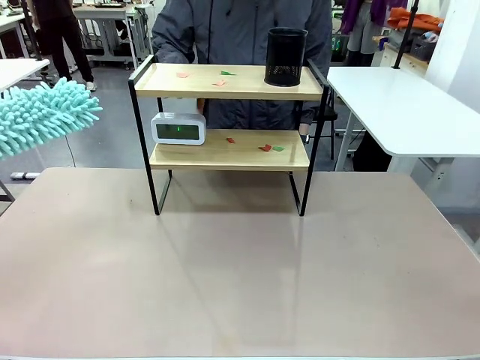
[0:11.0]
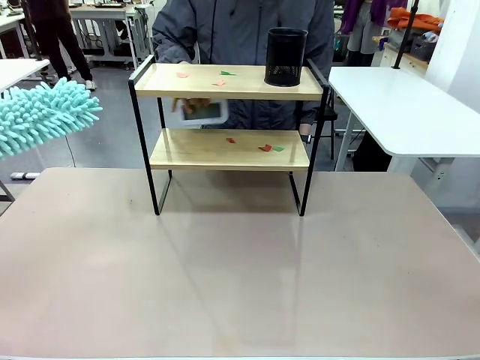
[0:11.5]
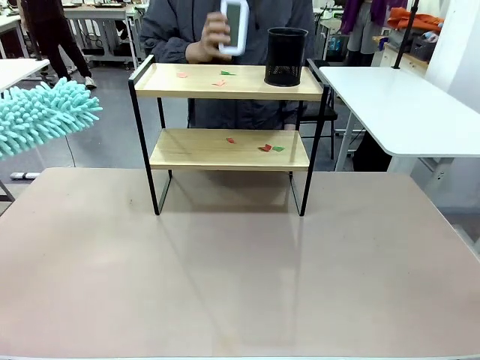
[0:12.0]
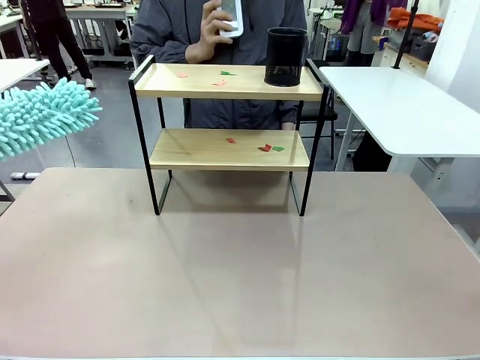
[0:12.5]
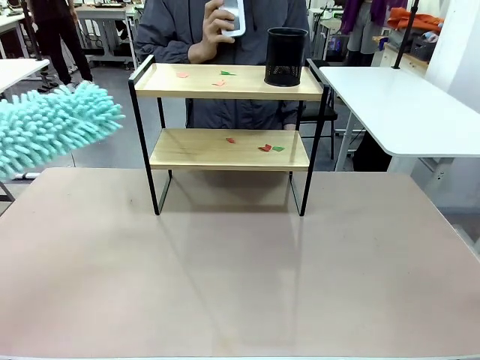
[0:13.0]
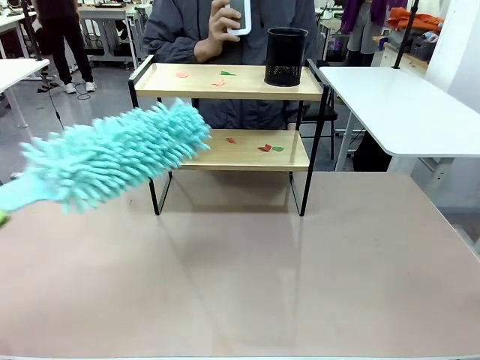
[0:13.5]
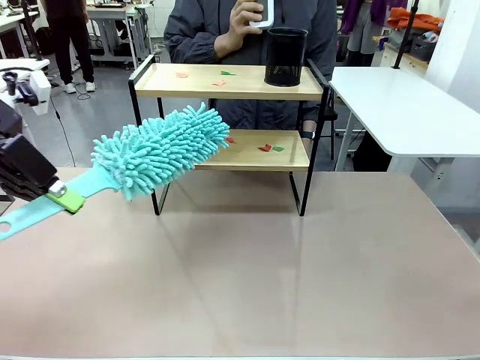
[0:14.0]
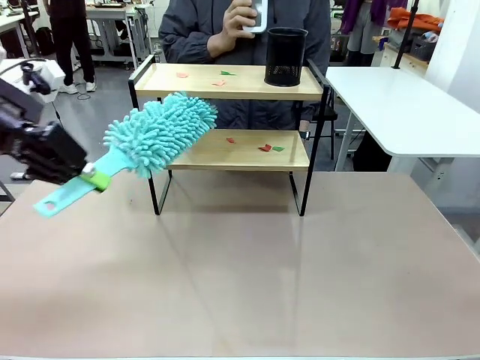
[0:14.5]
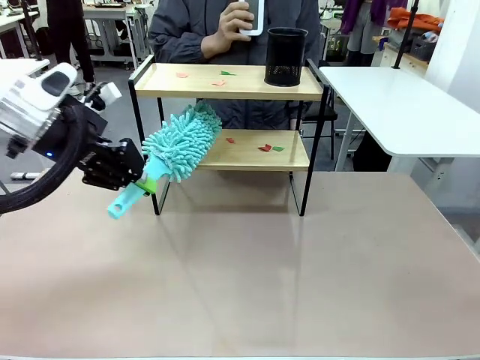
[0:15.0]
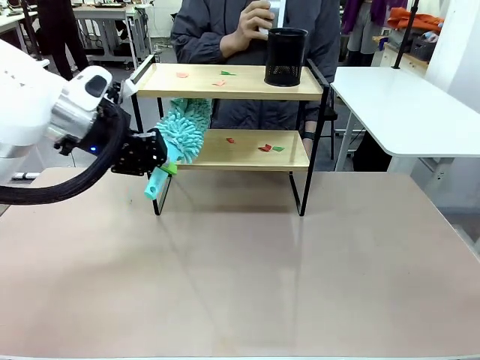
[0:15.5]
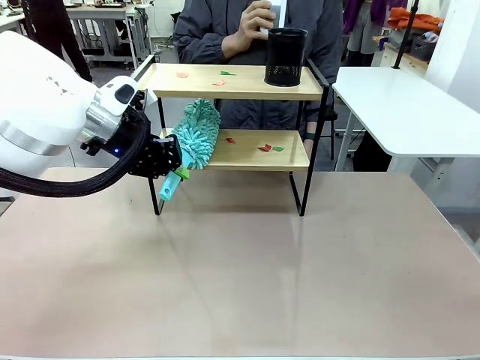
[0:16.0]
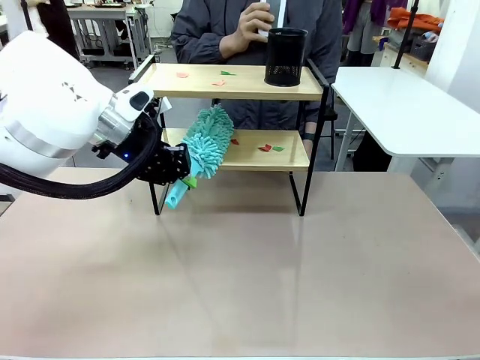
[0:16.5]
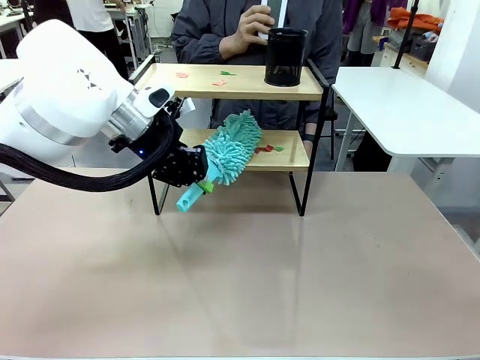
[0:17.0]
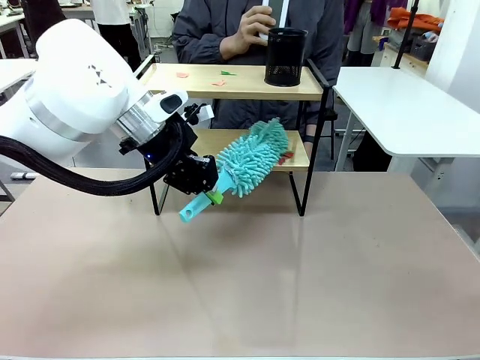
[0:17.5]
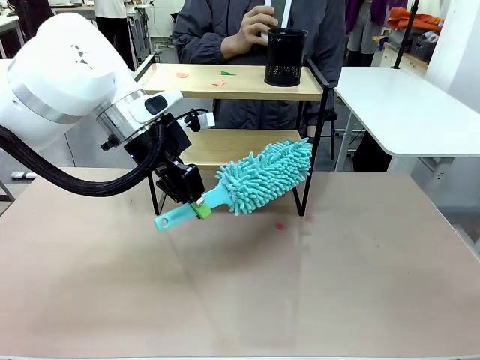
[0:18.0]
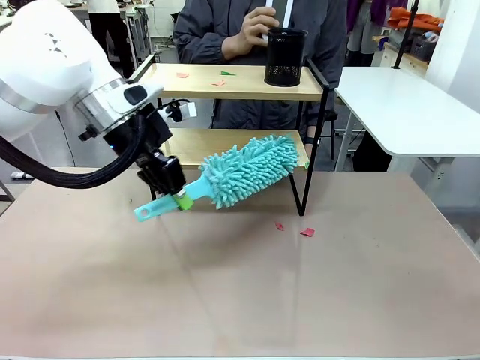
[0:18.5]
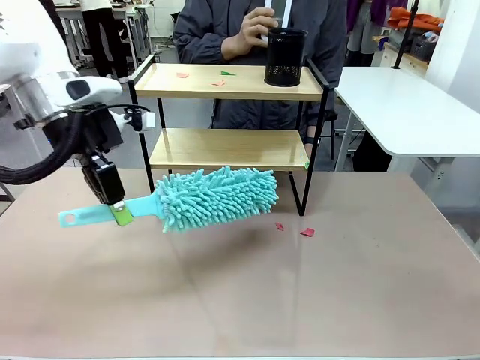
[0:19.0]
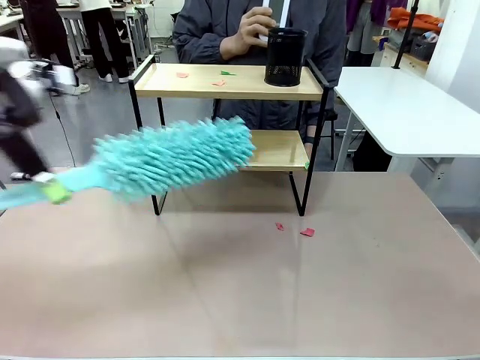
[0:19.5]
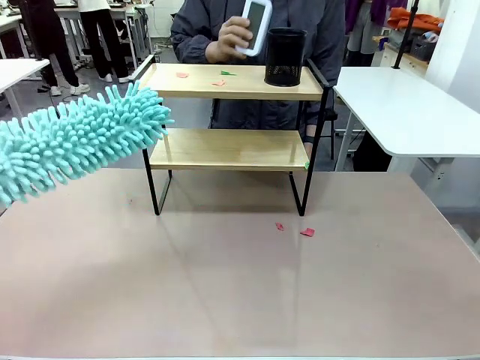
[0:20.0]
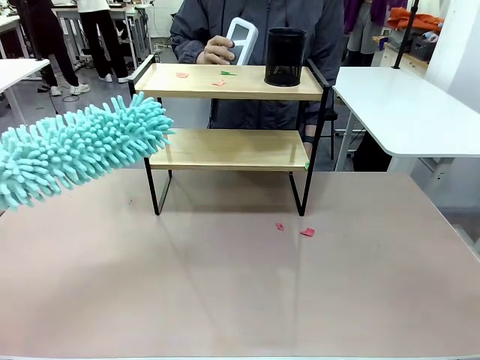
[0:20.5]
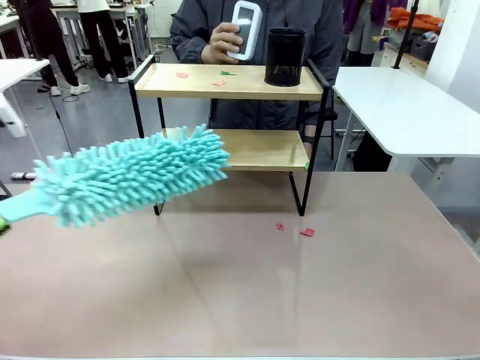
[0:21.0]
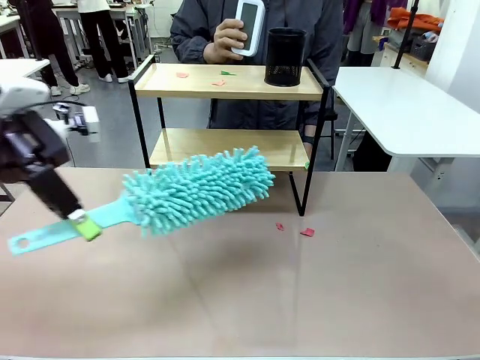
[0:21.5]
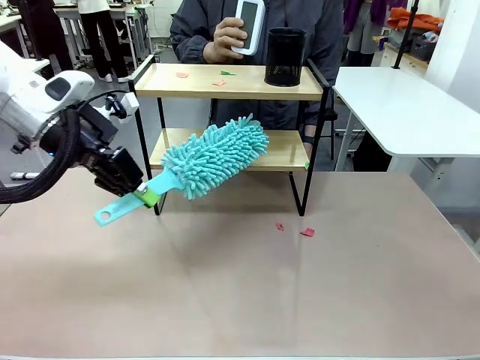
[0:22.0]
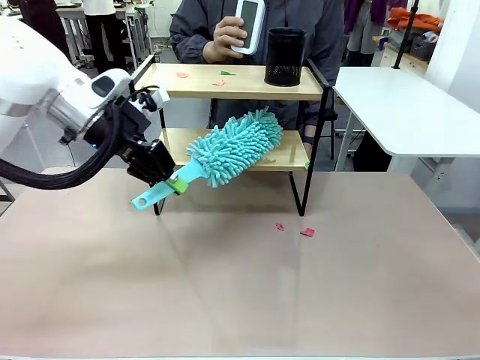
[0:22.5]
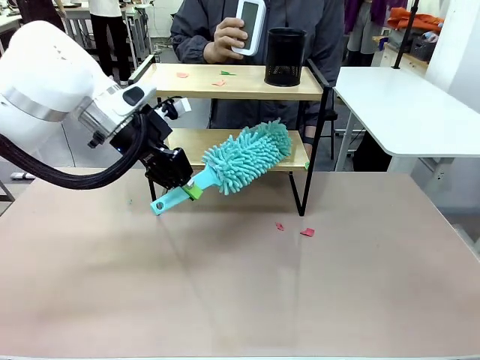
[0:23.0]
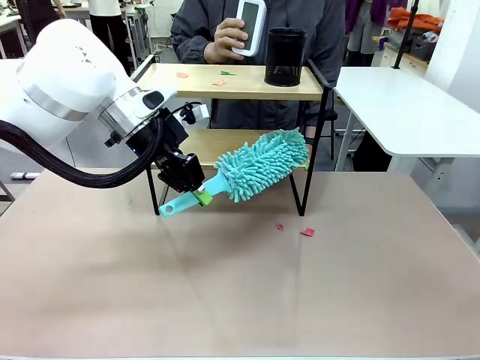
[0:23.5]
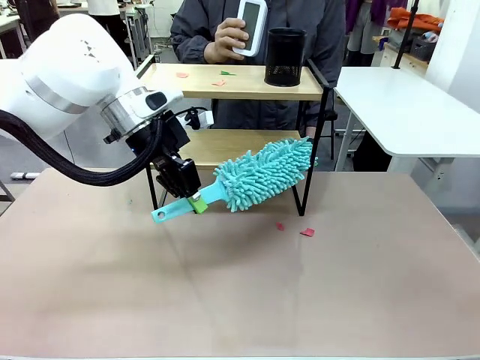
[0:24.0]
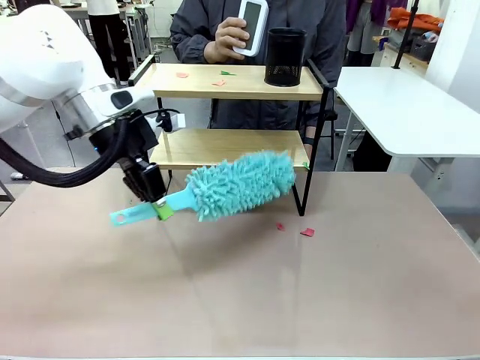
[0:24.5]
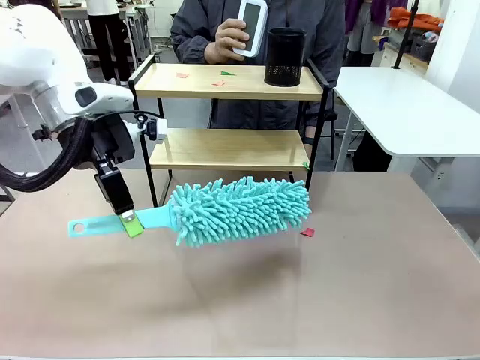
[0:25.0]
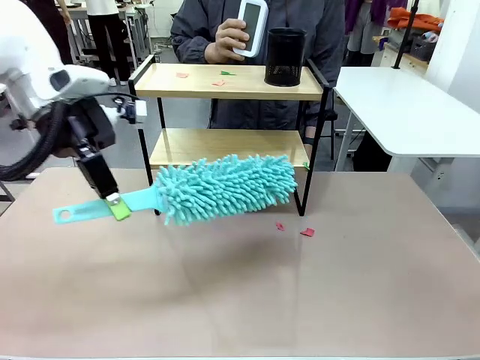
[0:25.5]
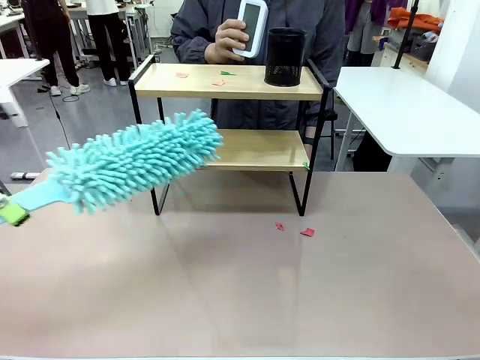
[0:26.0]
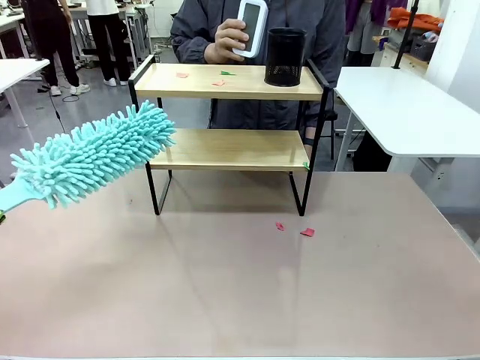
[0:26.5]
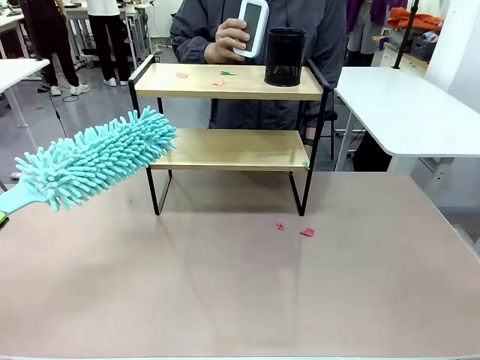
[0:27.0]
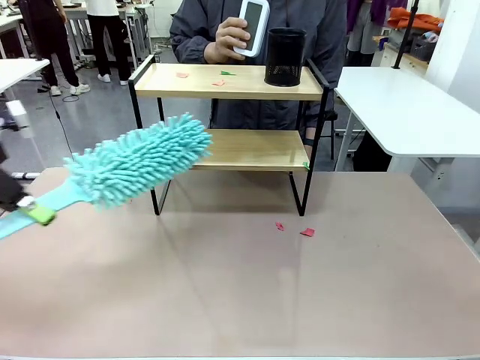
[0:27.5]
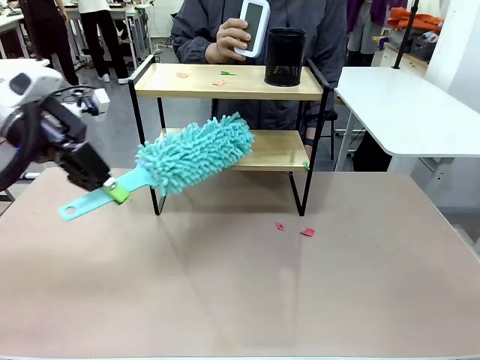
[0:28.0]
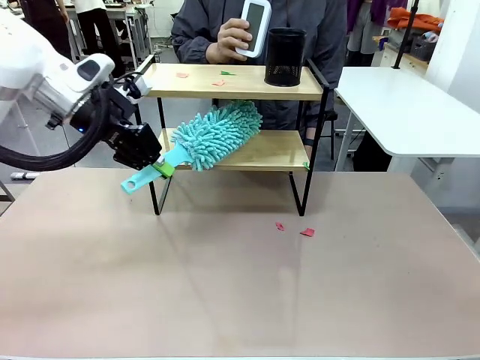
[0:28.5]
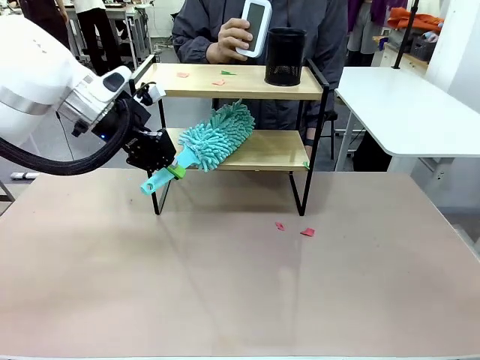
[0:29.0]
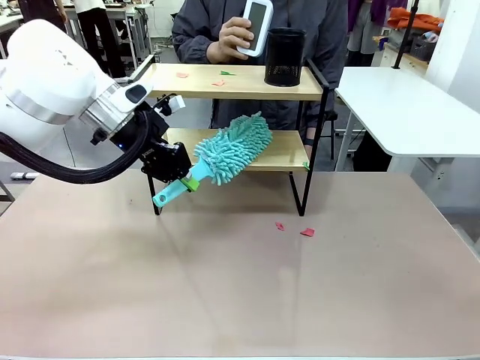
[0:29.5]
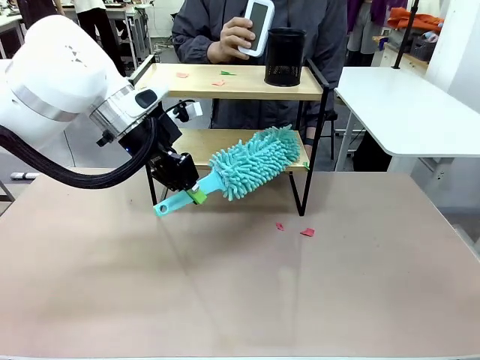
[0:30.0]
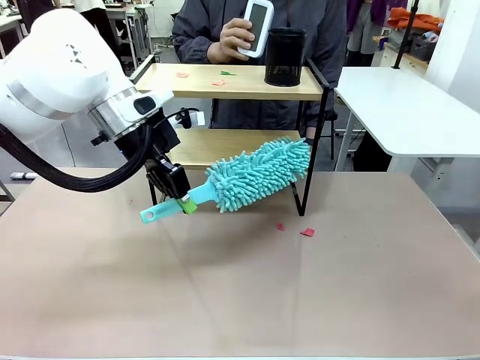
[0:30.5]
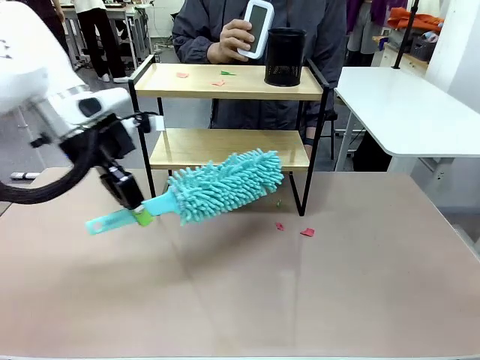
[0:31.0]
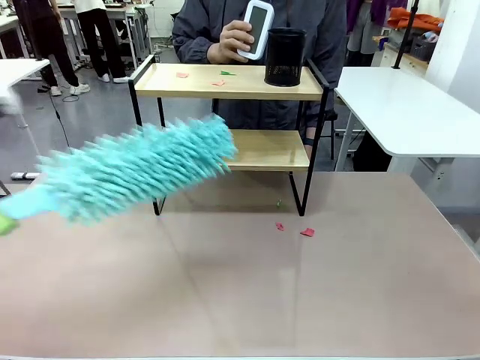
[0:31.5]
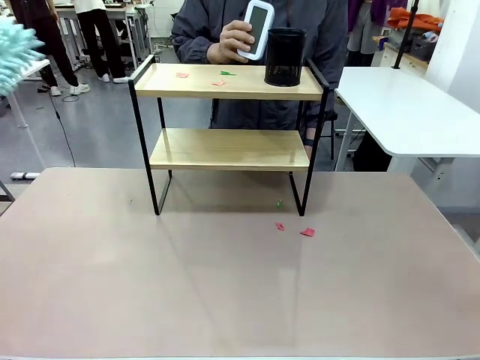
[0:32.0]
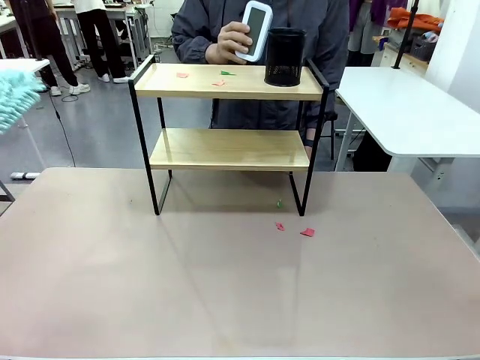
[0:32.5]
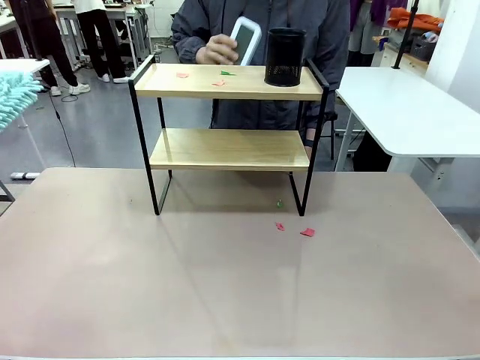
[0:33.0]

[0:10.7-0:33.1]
Task: Clean the shelf.
Robot: Clean the specific tier of the Shelf with the Duster once objects are removed.
Person: Lift the objects on a randomly selected tier of the Shelf. Once the robot finishes cleaning, lift the objects on the remaining tiers of the Shelf.
